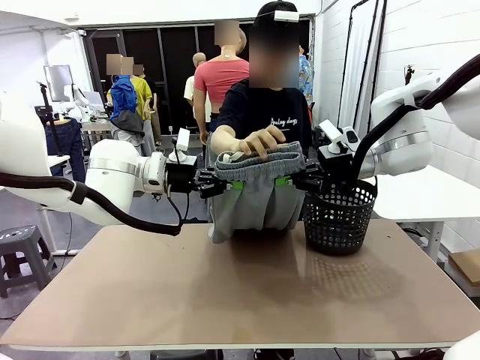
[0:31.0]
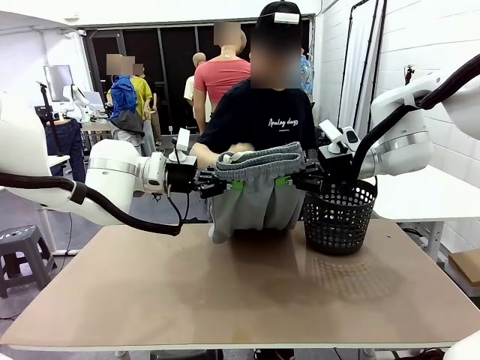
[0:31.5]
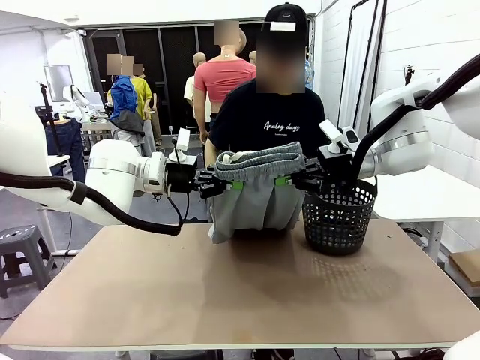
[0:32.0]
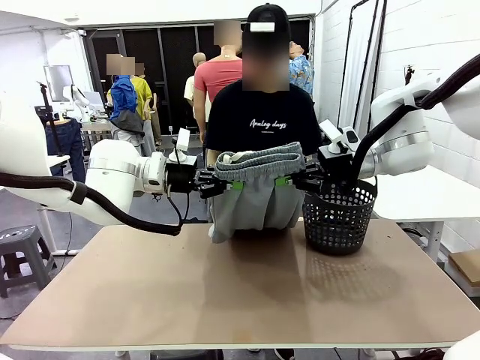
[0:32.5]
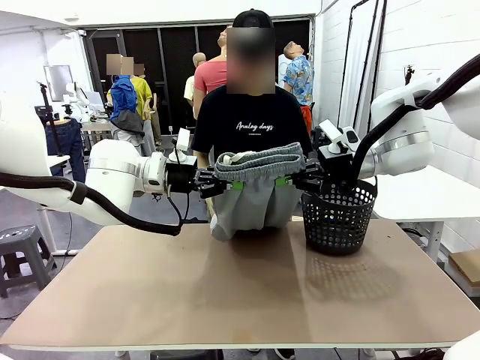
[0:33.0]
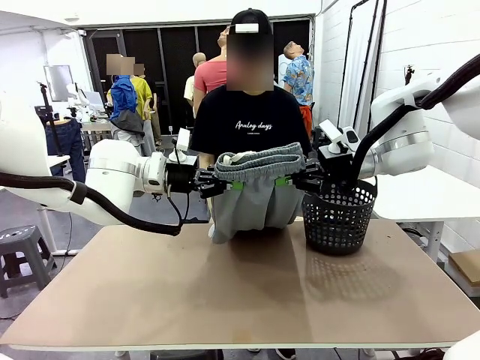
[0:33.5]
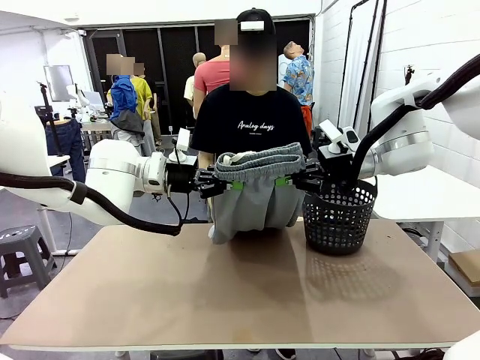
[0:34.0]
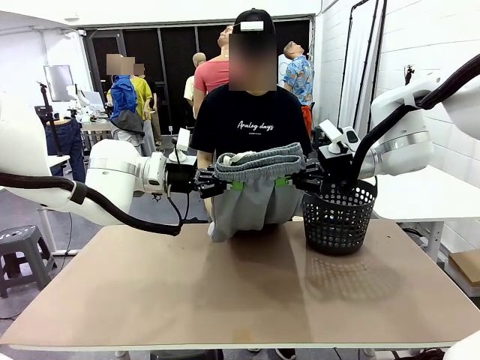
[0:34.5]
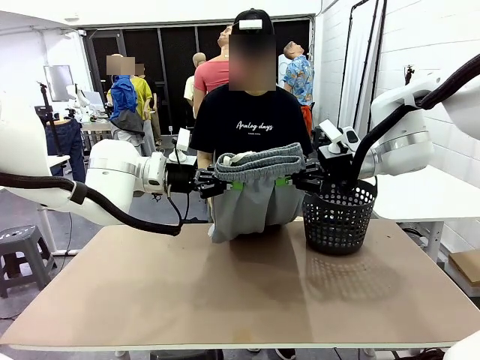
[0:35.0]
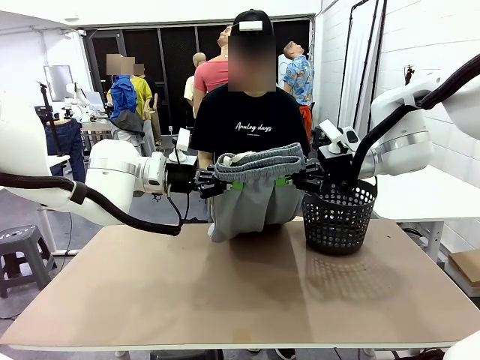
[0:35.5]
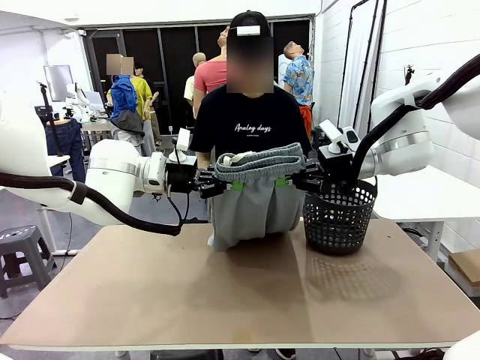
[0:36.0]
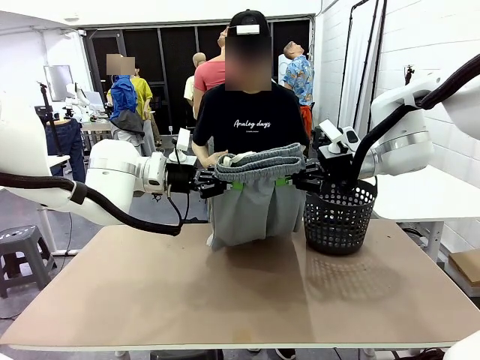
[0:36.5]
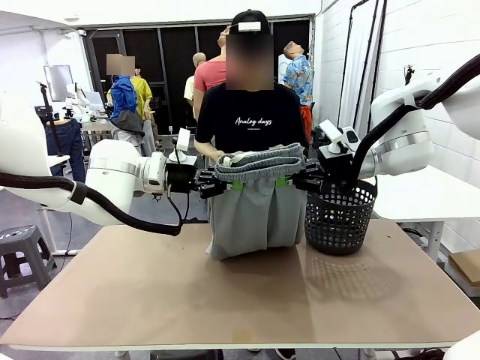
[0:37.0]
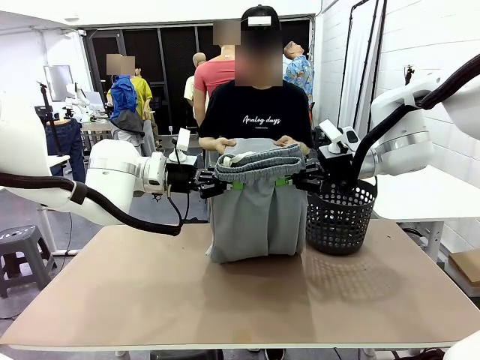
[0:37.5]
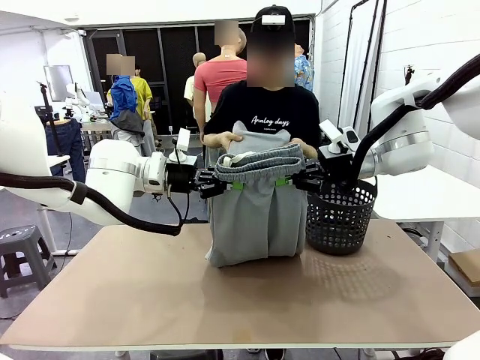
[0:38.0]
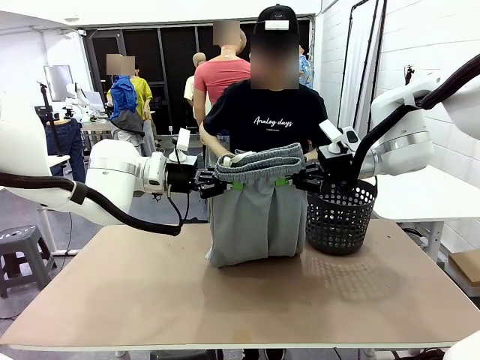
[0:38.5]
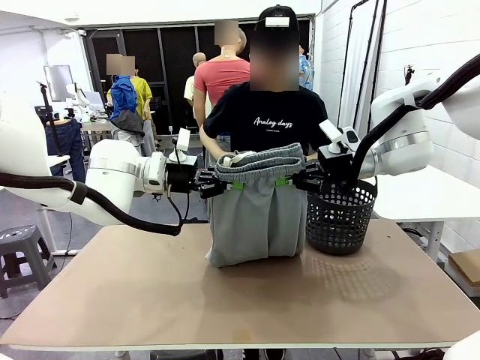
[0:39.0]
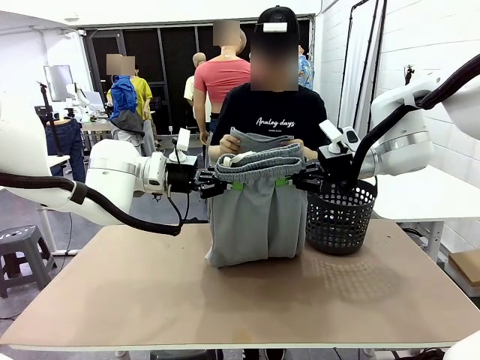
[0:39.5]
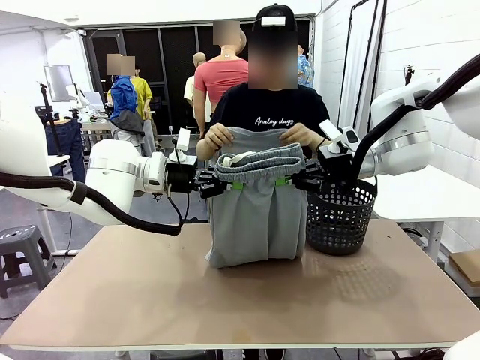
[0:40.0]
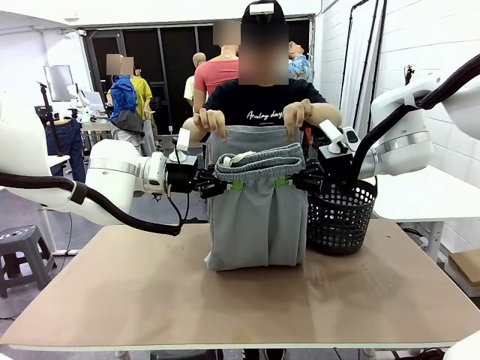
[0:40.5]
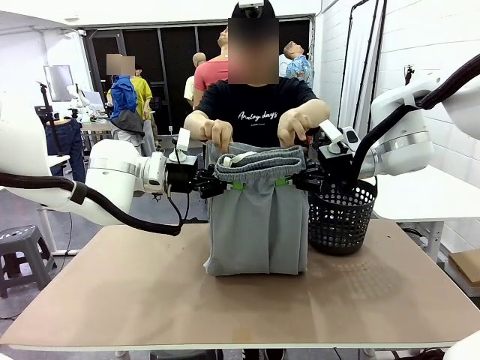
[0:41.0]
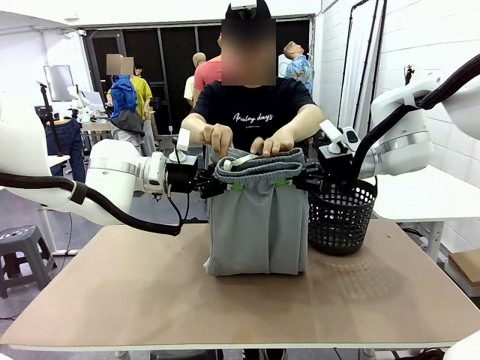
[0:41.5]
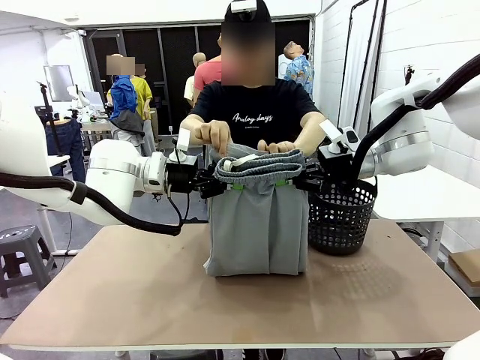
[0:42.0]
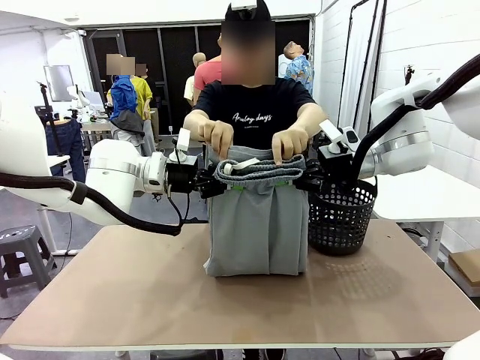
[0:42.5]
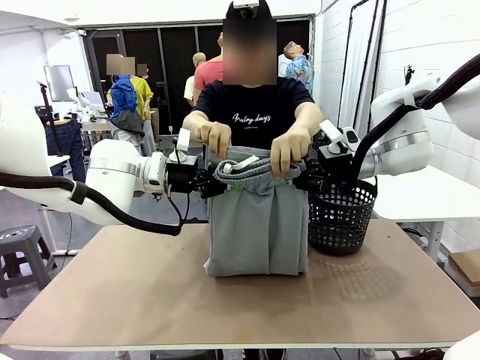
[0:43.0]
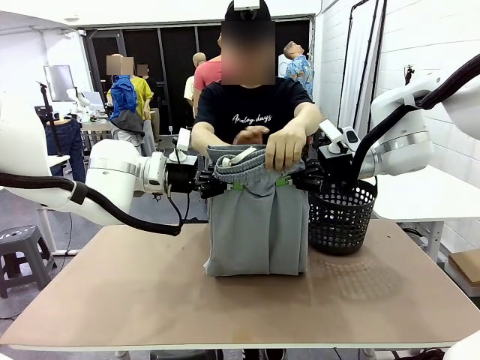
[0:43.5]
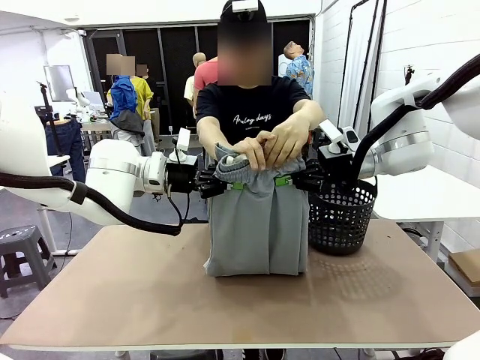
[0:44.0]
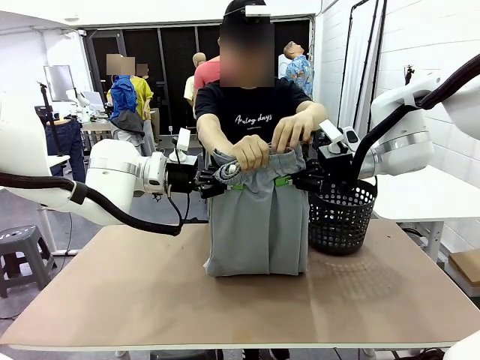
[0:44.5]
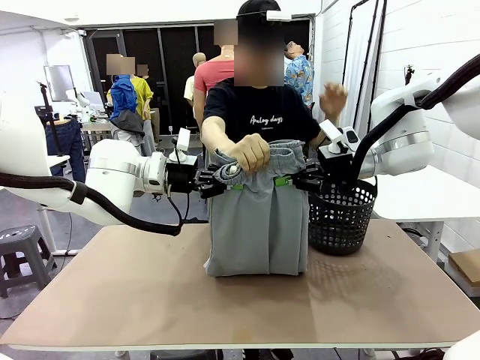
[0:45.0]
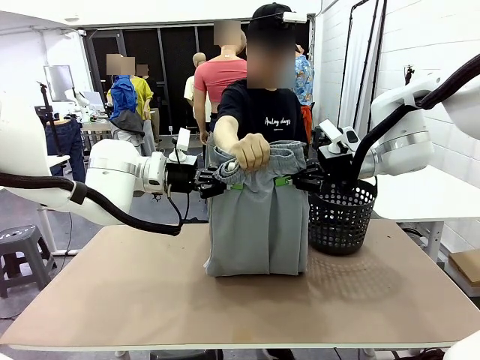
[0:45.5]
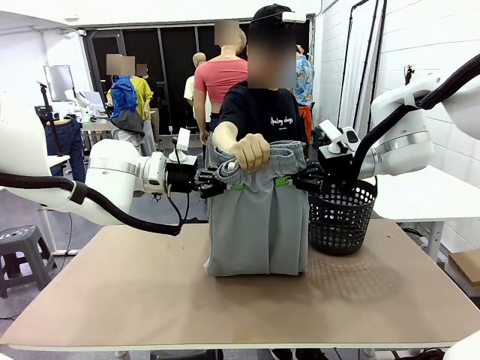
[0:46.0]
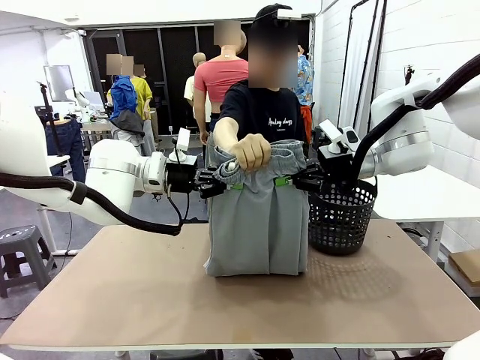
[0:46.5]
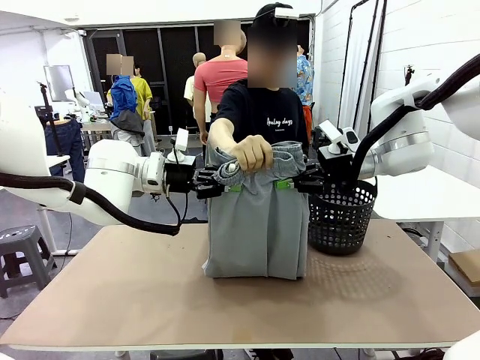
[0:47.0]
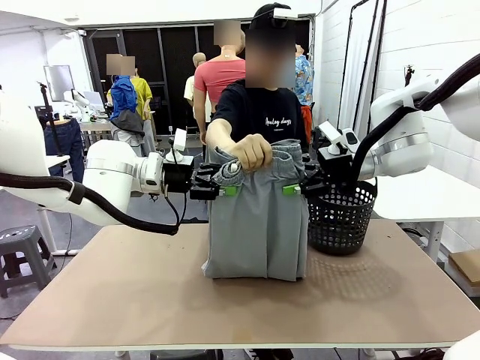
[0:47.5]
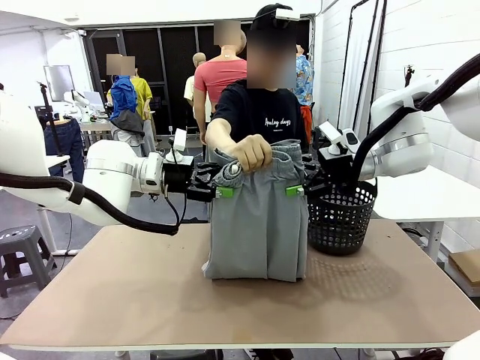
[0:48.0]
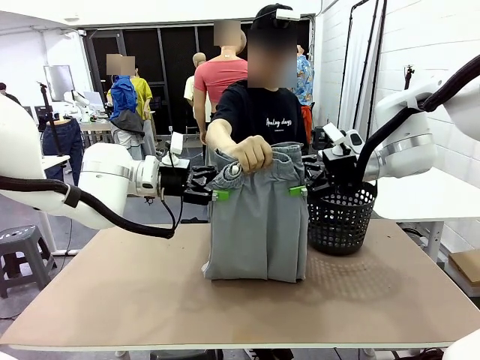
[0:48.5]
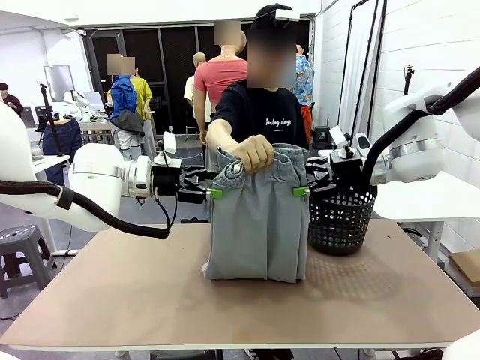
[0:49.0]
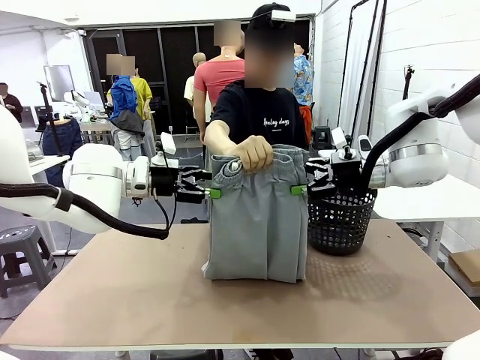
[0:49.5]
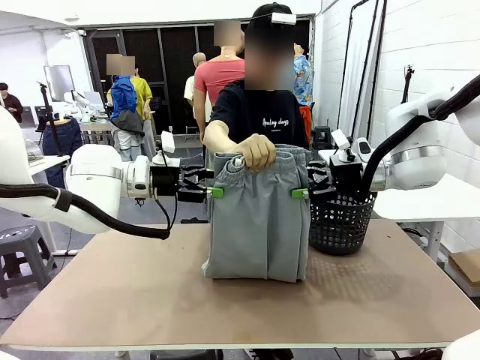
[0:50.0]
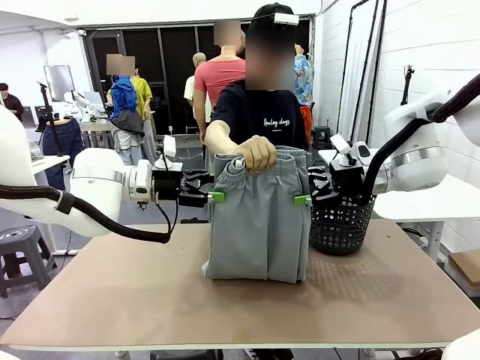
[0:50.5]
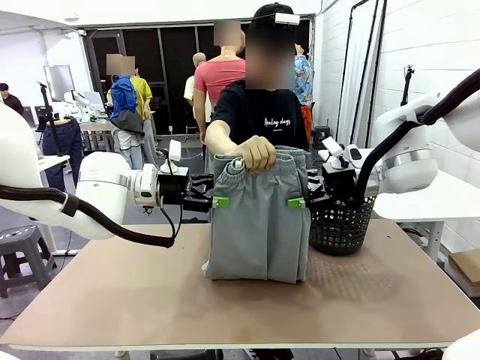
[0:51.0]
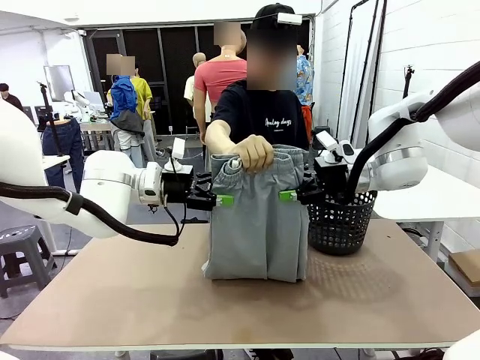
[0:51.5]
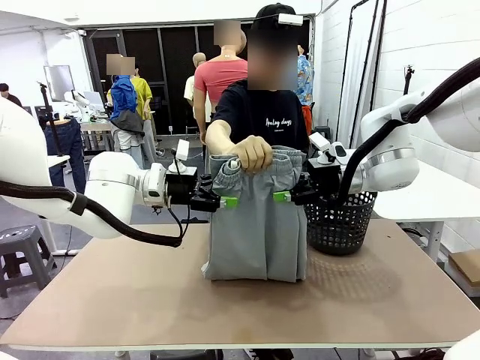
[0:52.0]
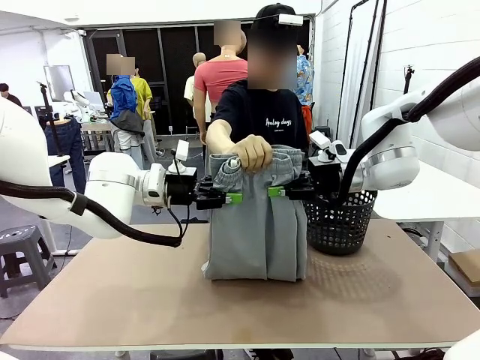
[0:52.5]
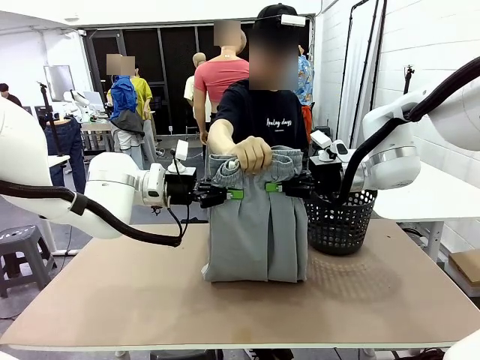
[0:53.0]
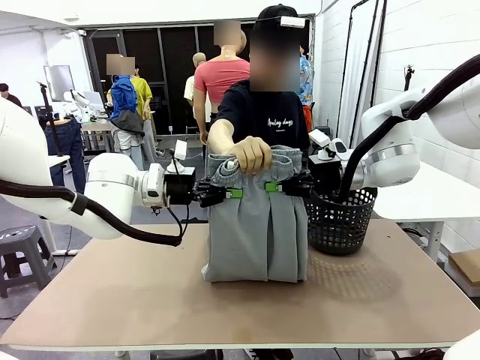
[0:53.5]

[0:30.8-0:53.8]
Task: Fold the training pants.
Robot: Release the ends of the Training pants and then grab the overlapped ends.
Person: Grasp the end opposite the point the robot is holding, fold the pants in half, and then grasp the overlapping top end of the folded pants. Release the pants you were holding.

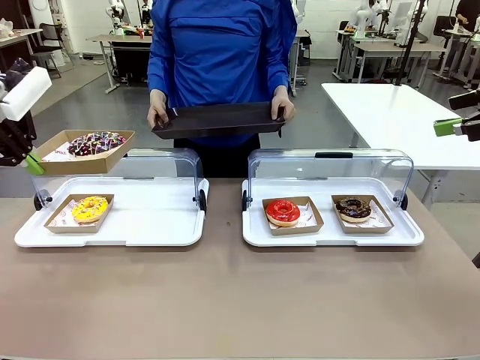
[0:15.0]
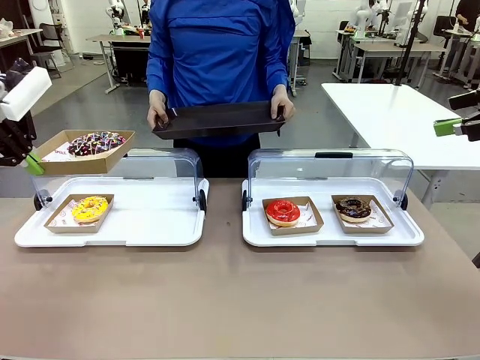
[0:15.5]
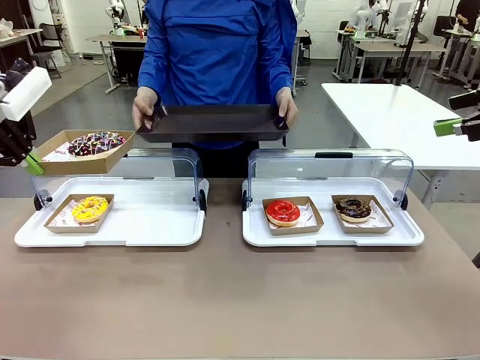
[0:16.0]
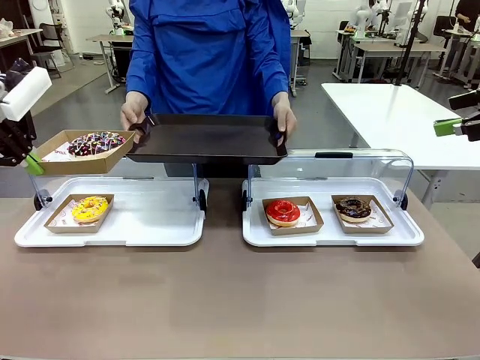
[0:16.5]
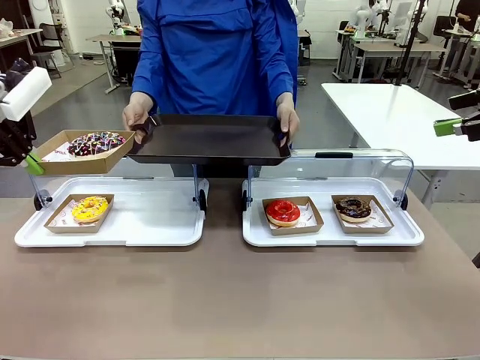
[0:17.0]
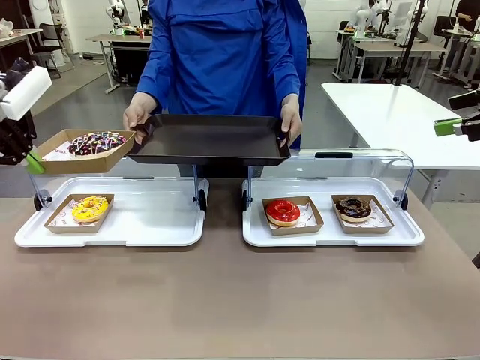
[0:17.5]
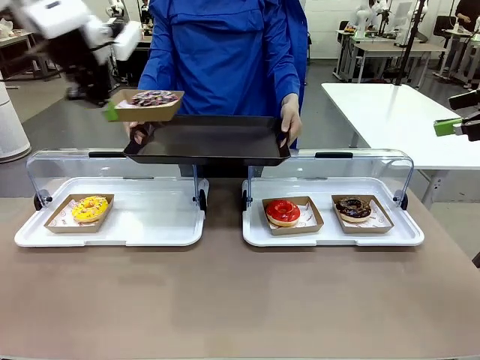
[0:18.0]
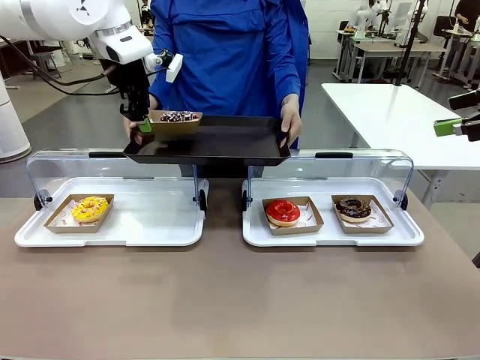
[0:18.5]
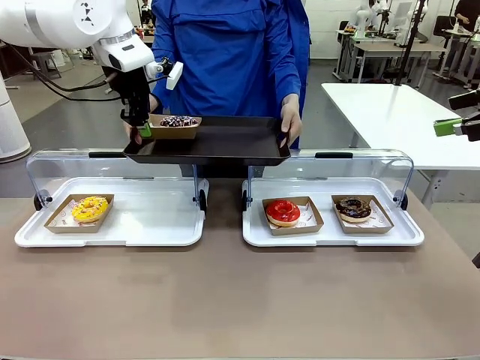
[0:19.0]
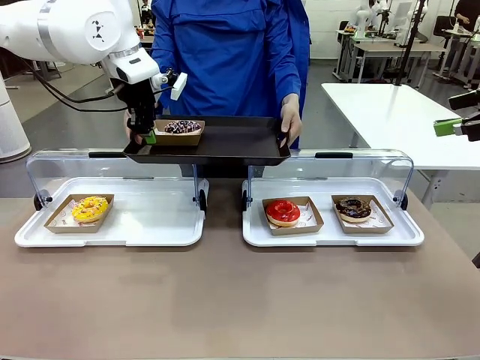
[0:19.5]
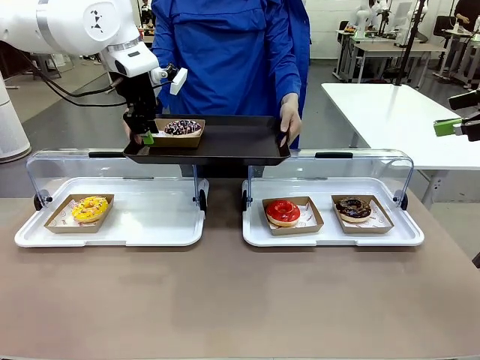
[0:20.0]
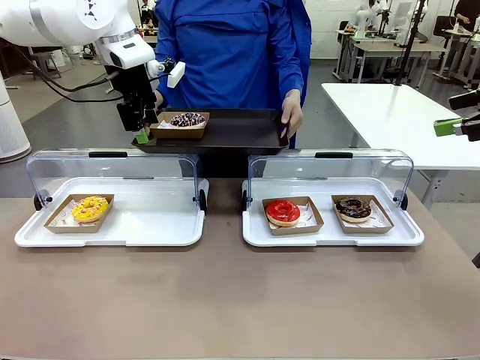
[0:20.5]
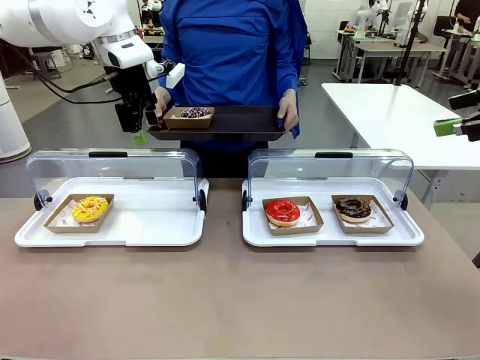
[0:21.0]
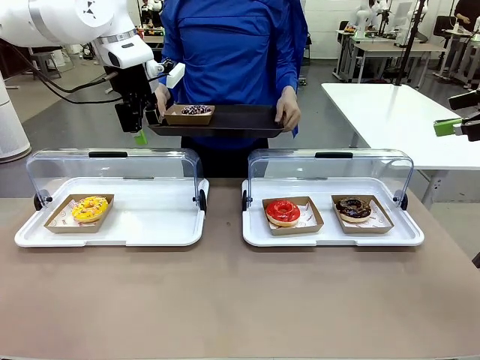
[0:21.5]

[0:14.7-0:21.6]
Task: Provide the desired donut to the person.
Robot: Place the picked Paper togo box onto the Handle tray extended by the person.
Person: Point to one donut.
